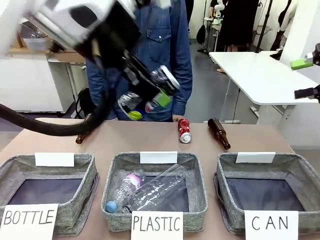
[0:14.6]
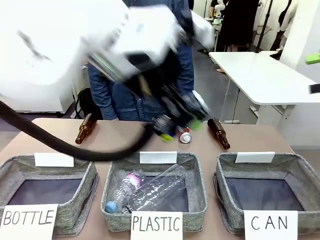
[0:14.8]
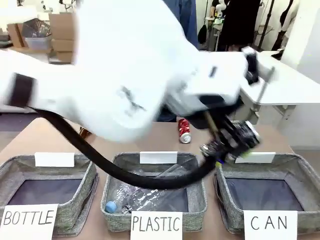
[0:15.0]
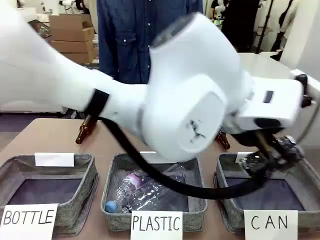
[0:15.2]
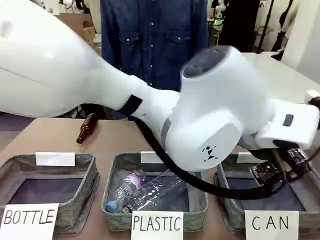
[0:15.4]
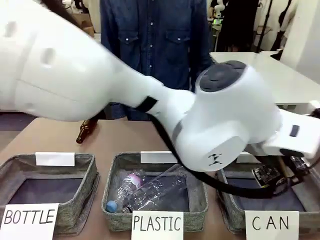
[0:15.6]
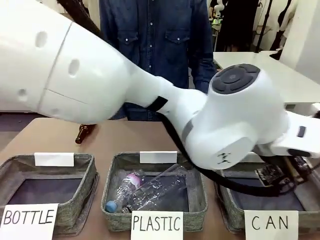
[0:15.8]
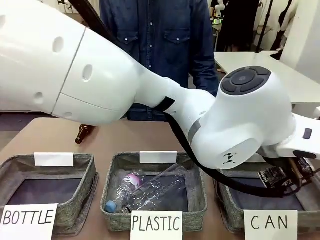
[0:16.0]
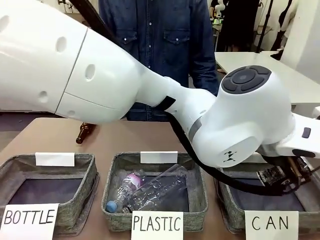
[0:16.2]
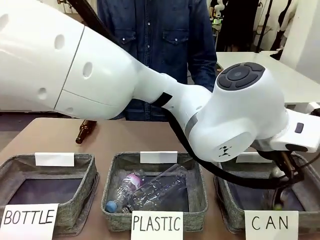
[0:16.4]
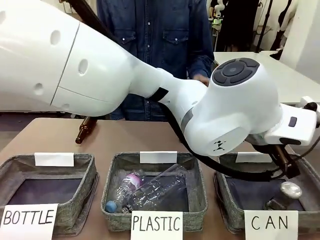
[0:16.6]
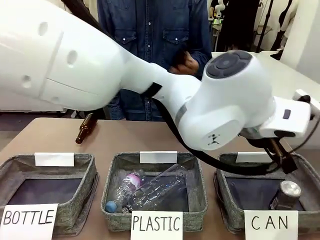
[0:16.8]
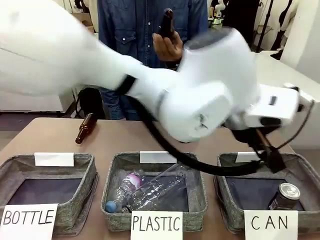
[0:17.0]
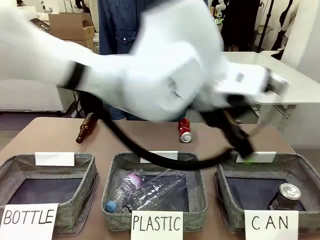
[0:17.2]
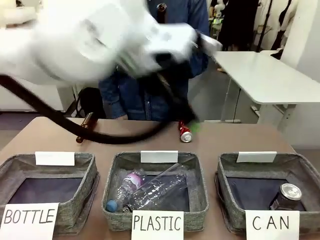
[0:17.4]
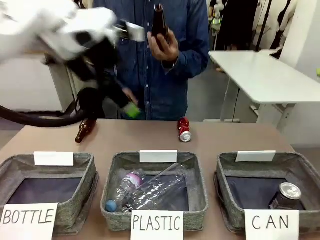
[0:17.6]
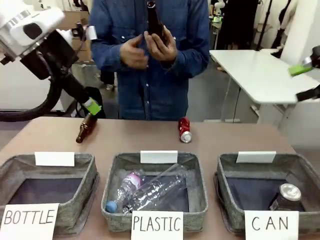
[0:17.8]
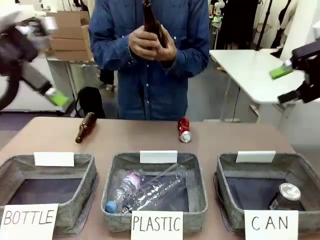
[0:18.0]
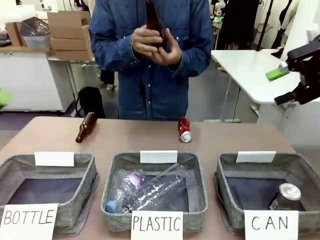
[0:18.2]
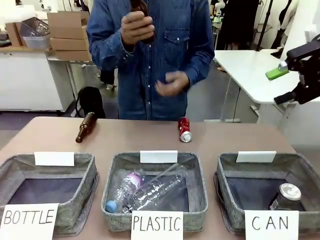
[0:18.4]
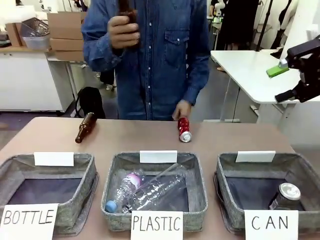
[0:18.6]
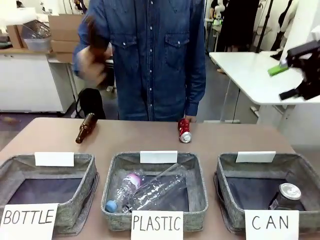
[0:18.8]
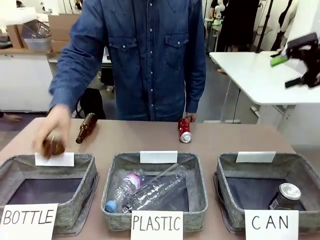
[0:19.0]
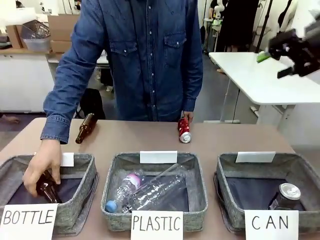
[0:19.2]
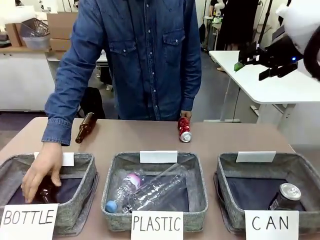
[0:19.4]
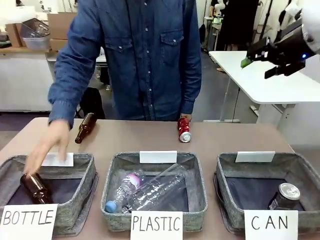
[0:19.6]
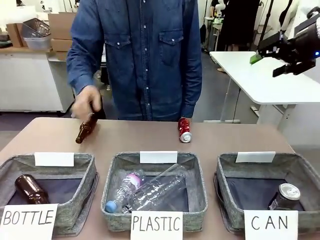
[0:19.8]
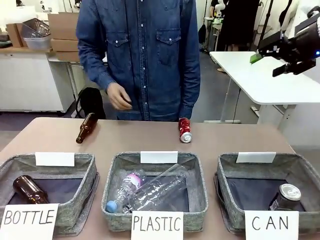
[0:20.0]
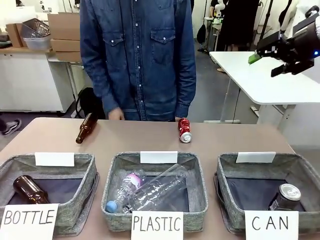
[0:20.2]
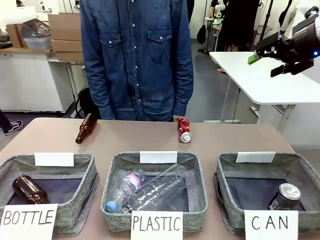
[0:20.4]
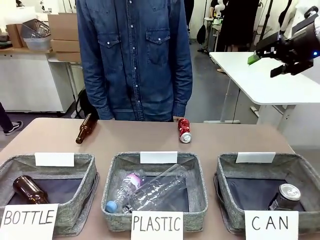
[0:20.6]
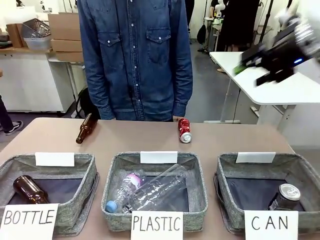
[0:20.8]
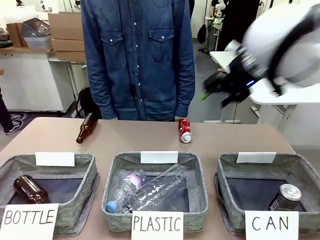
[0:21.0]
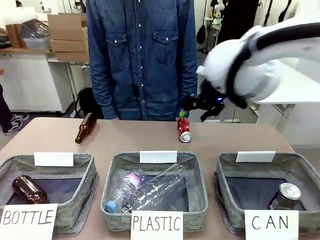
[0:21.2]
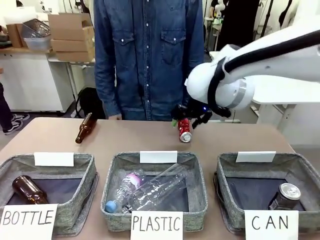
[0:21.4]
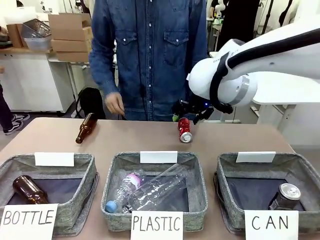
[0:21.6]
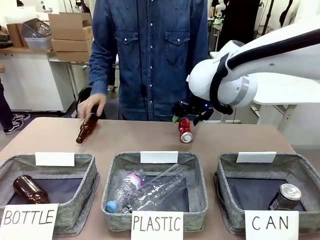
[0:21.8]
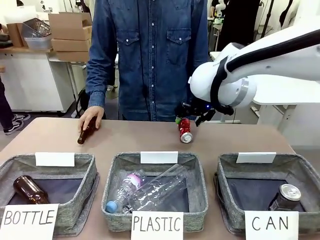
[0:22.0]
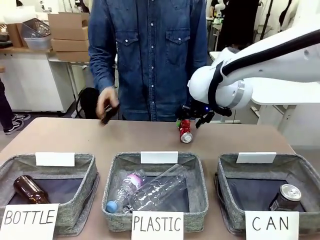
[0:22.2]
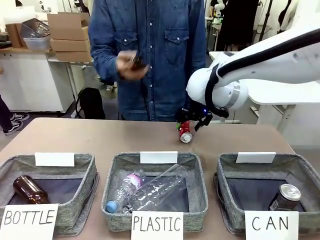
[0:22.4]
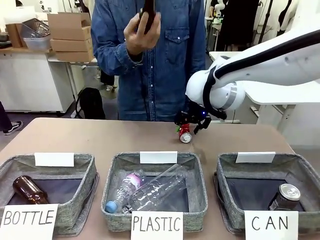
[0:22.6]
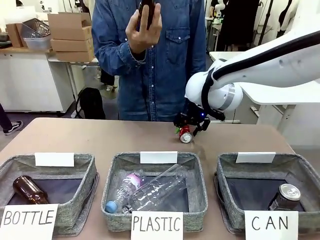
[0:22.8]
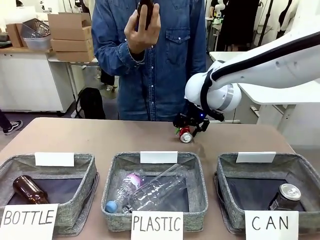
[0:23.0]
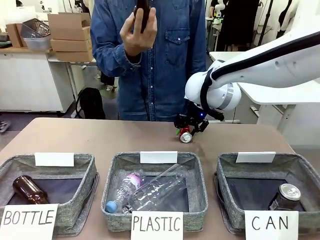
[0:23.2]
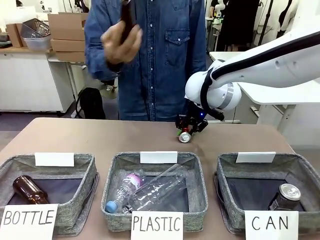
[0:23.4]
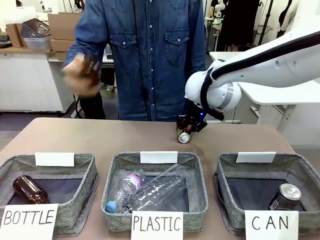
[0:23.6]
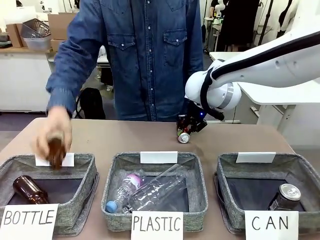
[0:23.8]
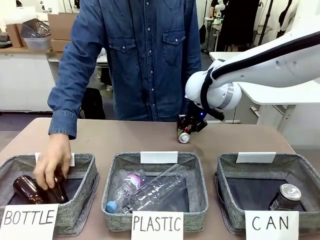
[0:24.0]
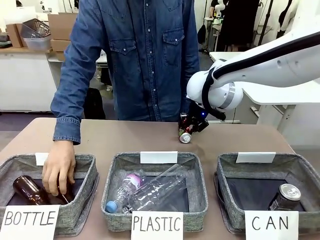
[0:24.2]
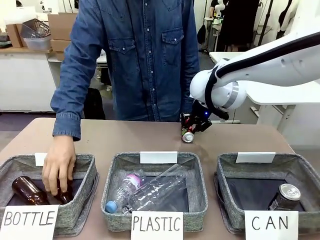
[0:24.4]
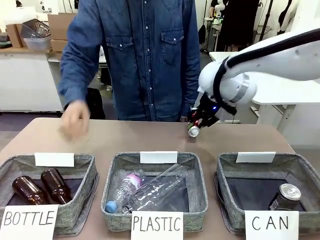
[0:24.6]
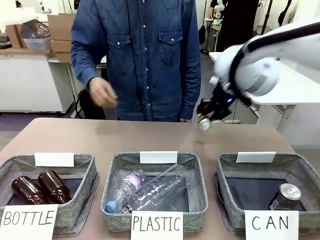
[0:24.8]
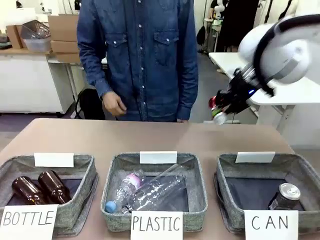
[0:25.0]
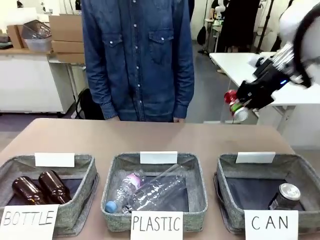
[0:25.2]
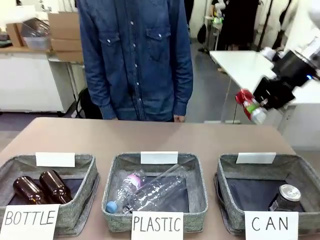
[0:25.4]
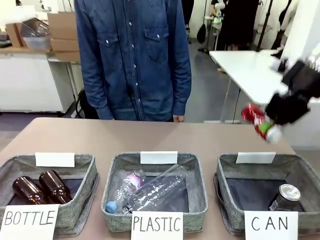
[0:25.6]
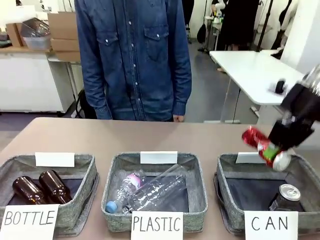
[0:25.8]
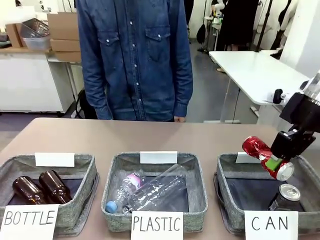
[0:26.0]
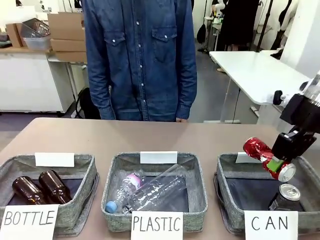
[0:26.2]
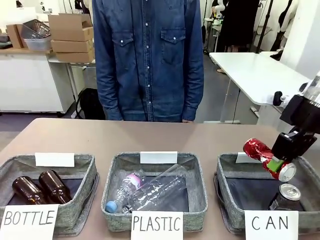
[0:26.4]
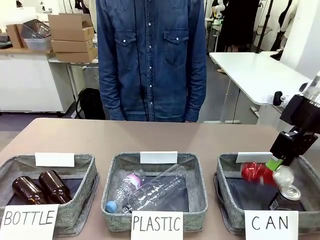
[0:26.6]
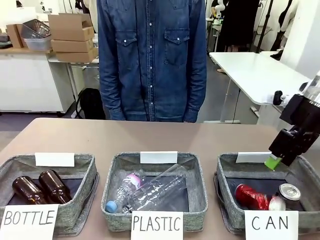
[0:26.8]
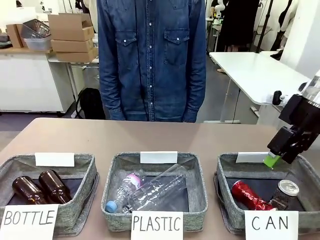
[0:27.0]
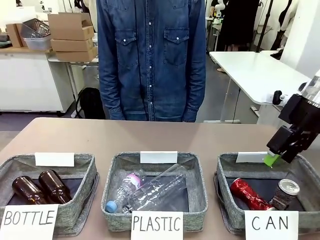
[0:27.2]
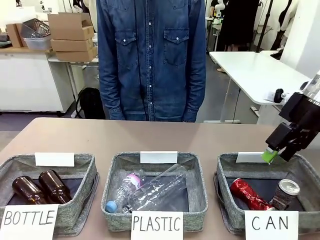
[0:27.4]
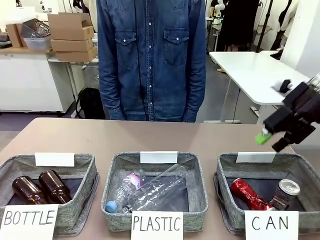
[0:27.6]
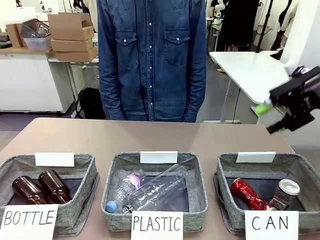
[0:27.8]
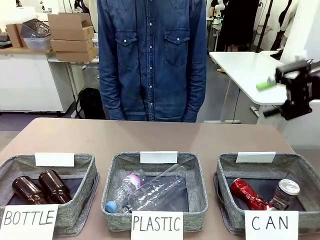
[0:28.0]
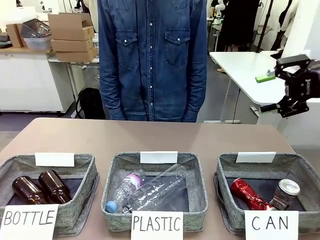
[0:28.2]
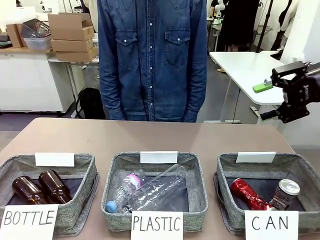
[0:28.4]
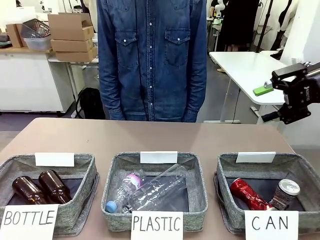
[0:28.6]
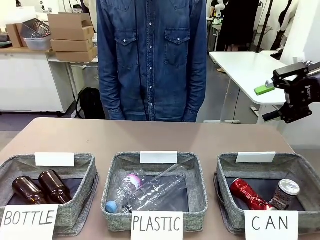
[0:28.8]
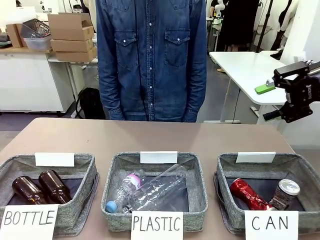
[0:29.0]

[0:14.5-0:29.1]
Task: Sort the can waste into the basket.
Robot: Pick up the can waste from the table and place it in the right Fabric basket.
Person: The human picks up one piece of trash that is not a can and places the trash into the appropriate organizing basket.
